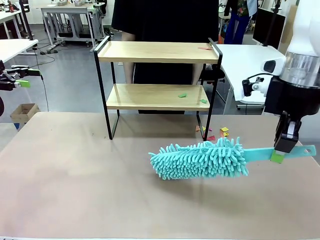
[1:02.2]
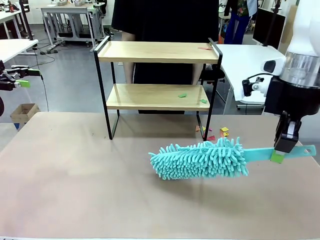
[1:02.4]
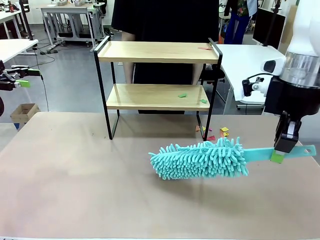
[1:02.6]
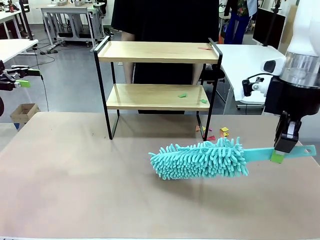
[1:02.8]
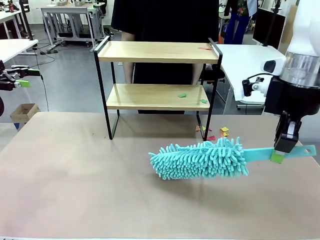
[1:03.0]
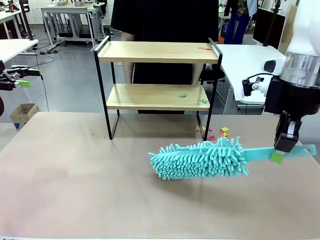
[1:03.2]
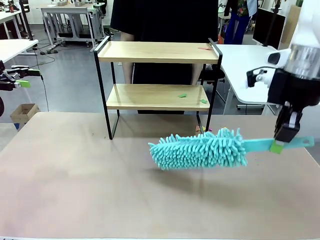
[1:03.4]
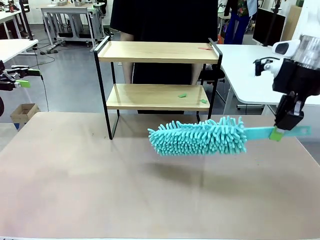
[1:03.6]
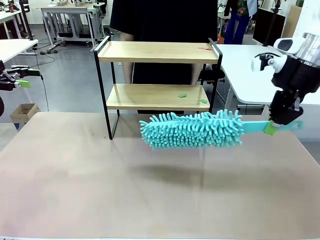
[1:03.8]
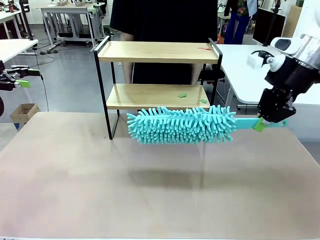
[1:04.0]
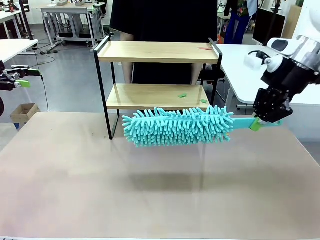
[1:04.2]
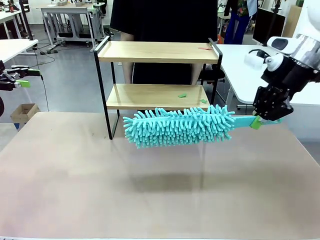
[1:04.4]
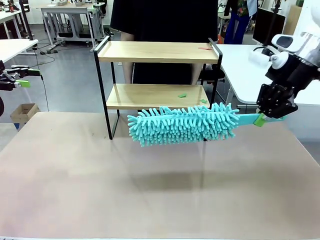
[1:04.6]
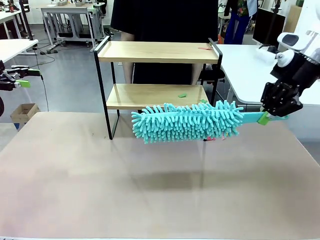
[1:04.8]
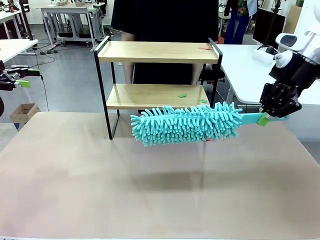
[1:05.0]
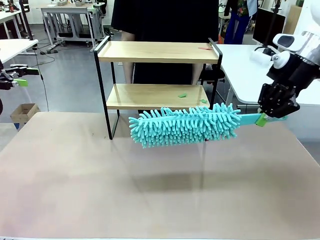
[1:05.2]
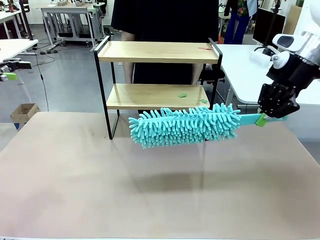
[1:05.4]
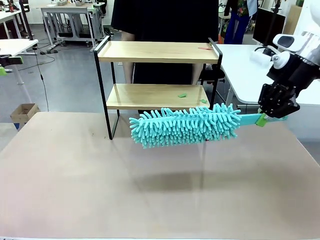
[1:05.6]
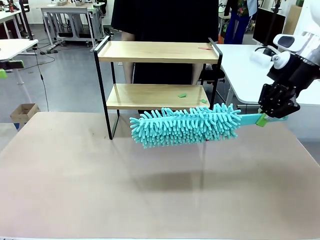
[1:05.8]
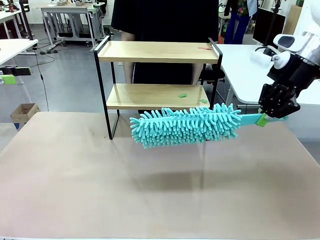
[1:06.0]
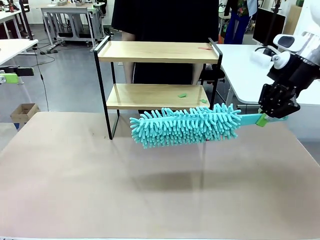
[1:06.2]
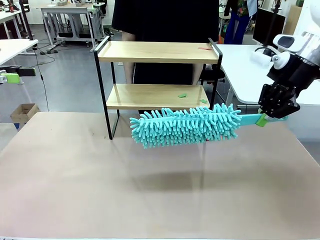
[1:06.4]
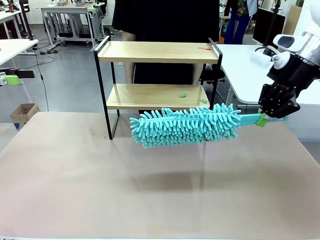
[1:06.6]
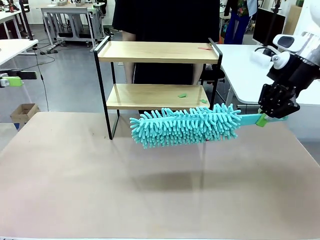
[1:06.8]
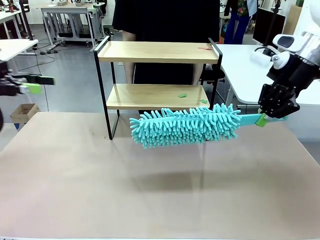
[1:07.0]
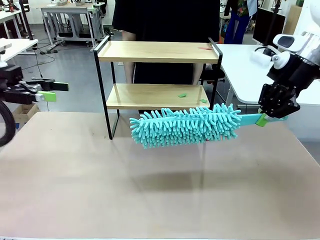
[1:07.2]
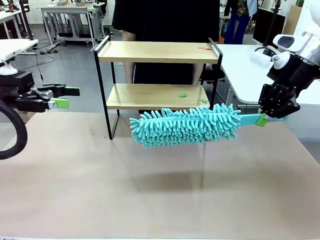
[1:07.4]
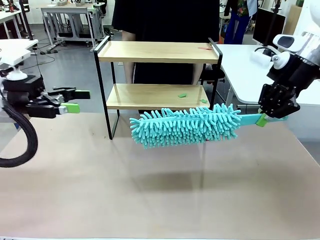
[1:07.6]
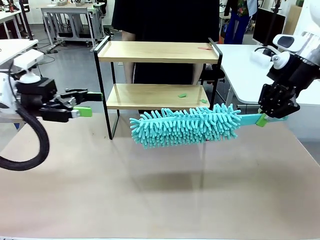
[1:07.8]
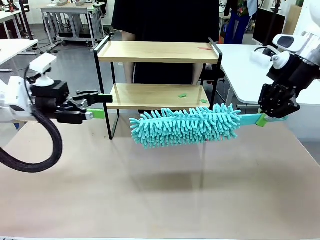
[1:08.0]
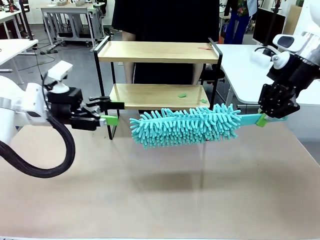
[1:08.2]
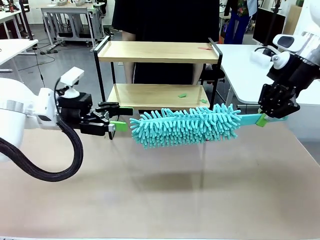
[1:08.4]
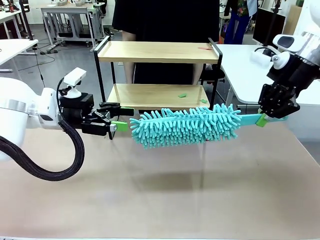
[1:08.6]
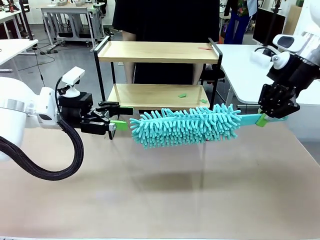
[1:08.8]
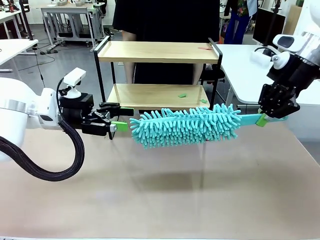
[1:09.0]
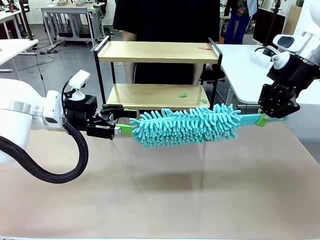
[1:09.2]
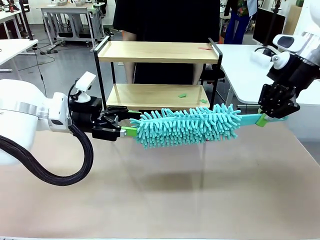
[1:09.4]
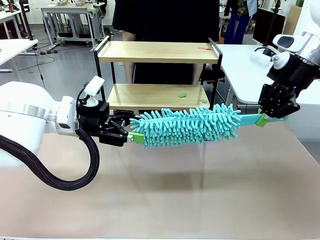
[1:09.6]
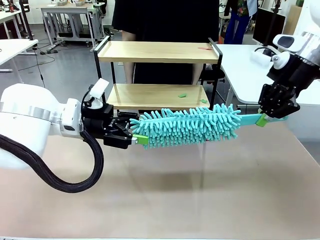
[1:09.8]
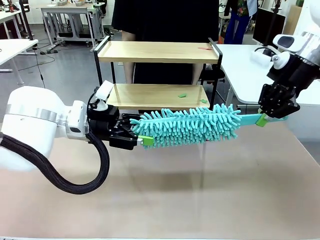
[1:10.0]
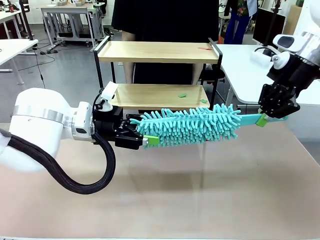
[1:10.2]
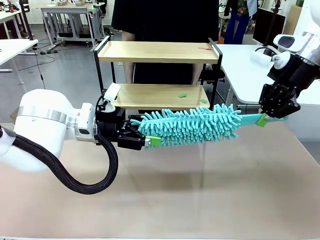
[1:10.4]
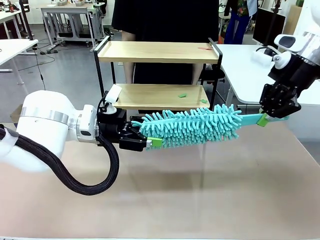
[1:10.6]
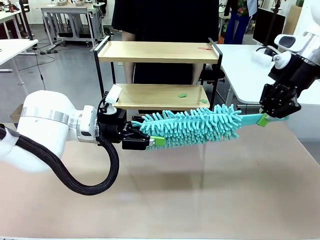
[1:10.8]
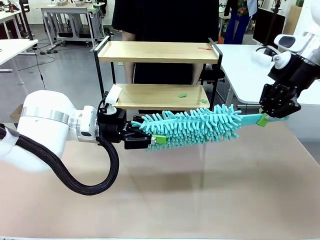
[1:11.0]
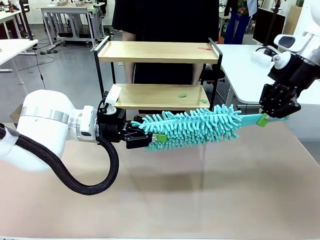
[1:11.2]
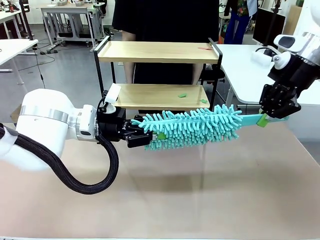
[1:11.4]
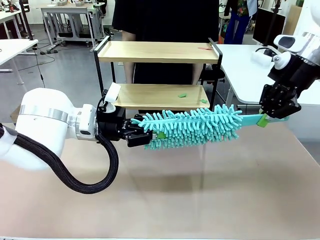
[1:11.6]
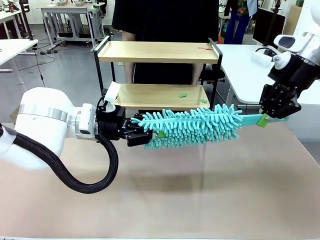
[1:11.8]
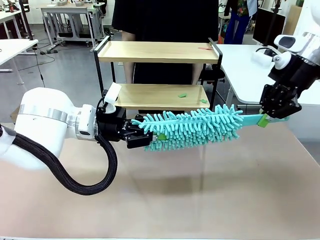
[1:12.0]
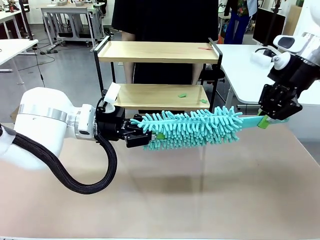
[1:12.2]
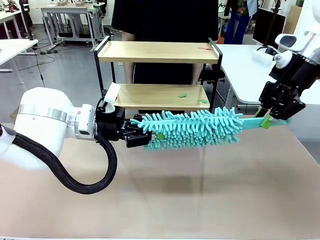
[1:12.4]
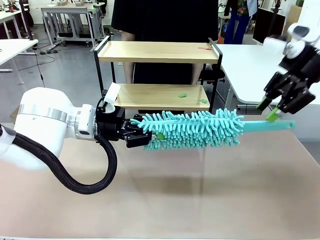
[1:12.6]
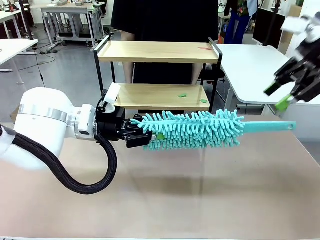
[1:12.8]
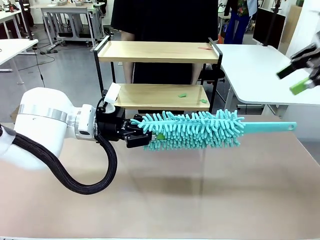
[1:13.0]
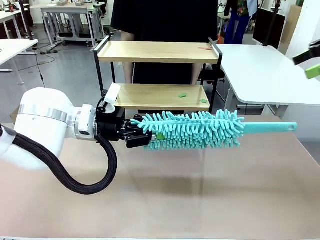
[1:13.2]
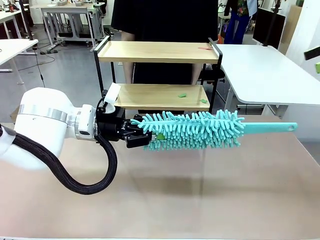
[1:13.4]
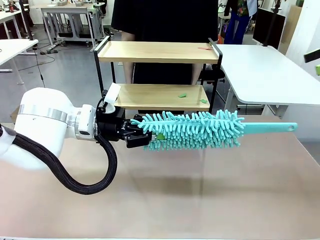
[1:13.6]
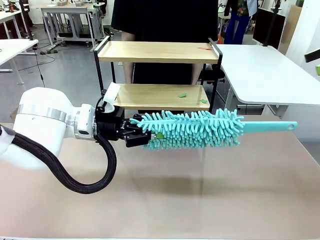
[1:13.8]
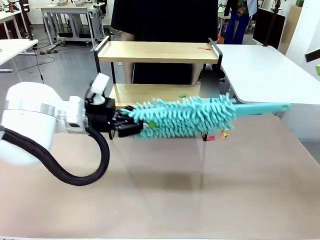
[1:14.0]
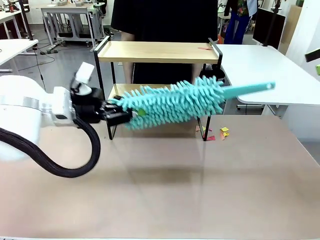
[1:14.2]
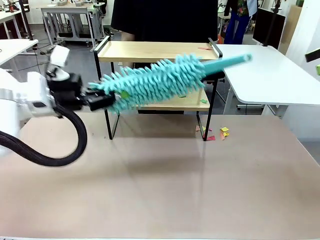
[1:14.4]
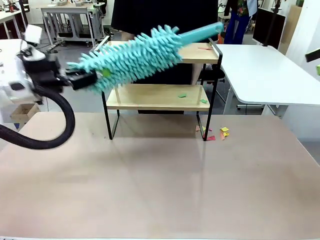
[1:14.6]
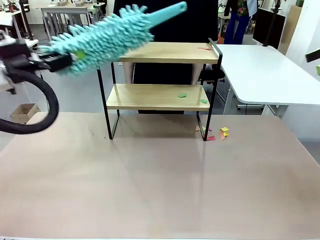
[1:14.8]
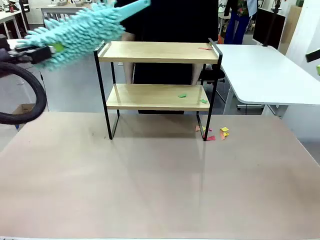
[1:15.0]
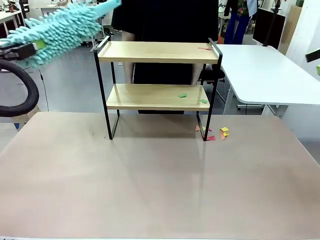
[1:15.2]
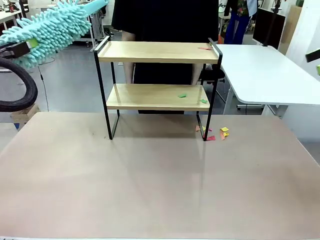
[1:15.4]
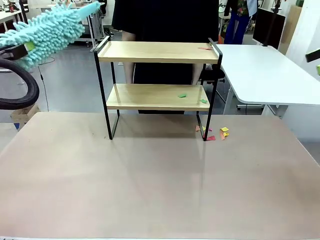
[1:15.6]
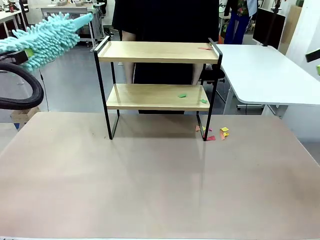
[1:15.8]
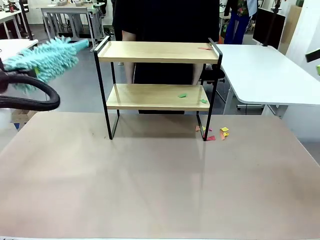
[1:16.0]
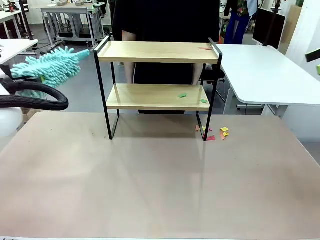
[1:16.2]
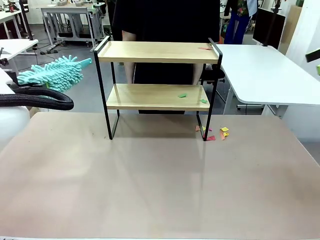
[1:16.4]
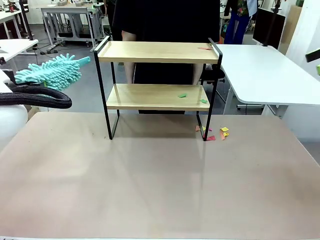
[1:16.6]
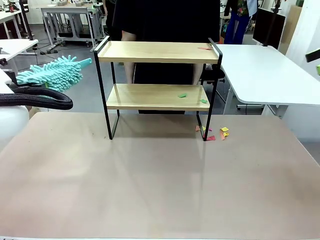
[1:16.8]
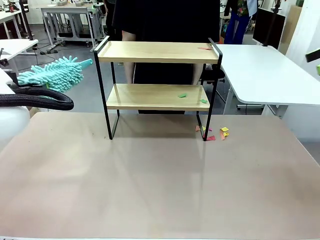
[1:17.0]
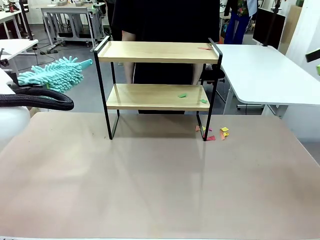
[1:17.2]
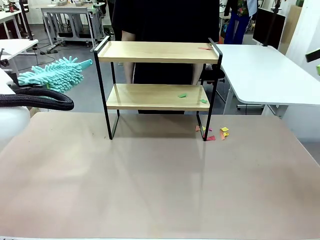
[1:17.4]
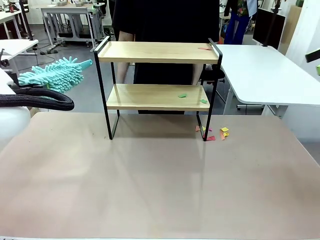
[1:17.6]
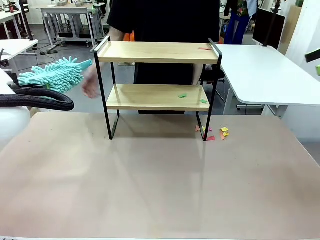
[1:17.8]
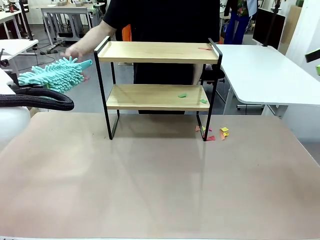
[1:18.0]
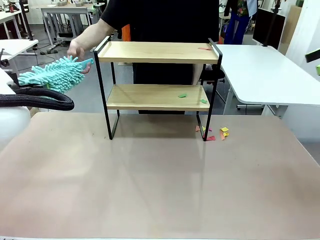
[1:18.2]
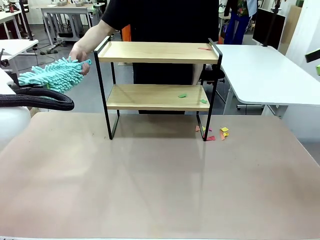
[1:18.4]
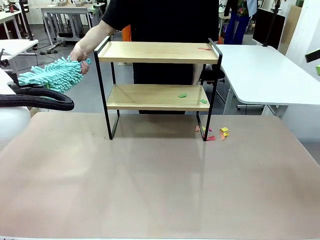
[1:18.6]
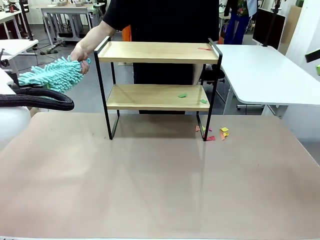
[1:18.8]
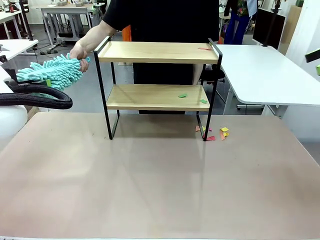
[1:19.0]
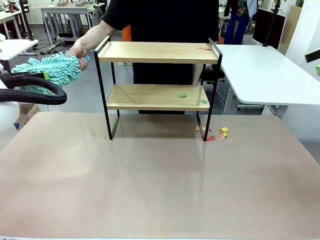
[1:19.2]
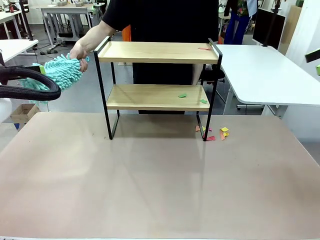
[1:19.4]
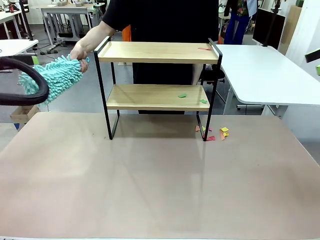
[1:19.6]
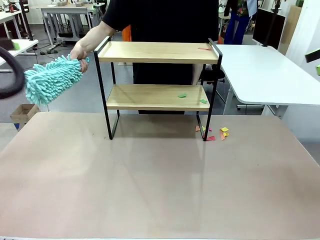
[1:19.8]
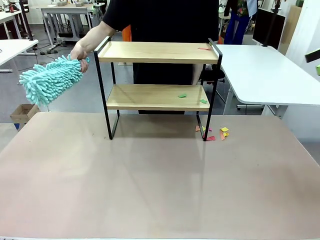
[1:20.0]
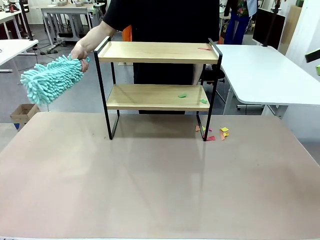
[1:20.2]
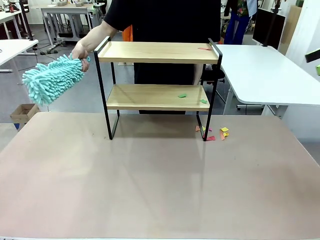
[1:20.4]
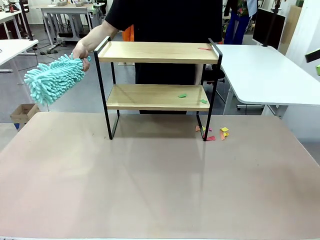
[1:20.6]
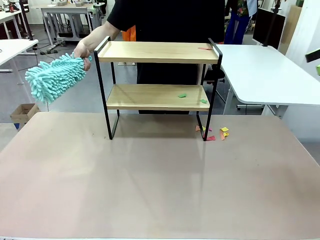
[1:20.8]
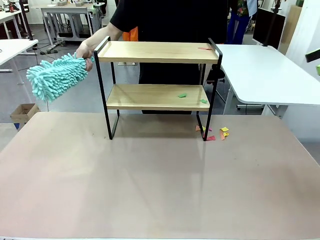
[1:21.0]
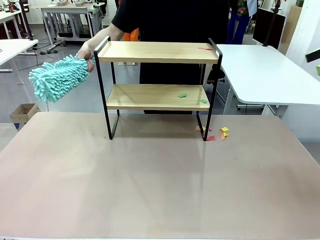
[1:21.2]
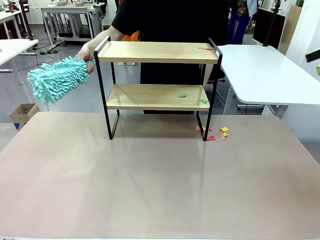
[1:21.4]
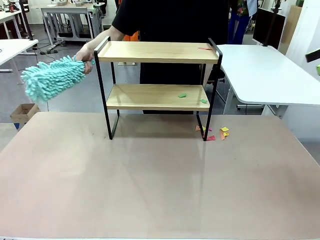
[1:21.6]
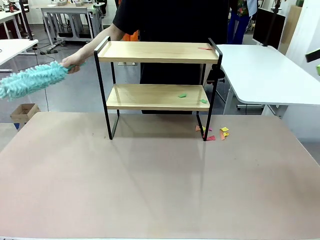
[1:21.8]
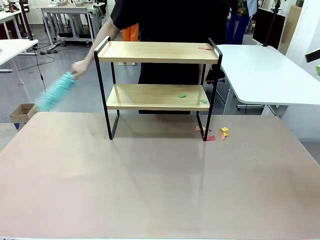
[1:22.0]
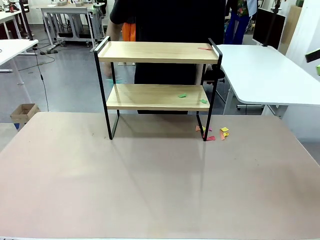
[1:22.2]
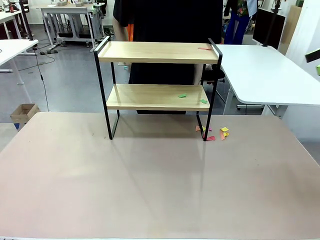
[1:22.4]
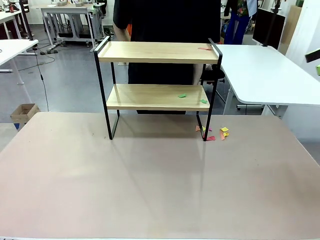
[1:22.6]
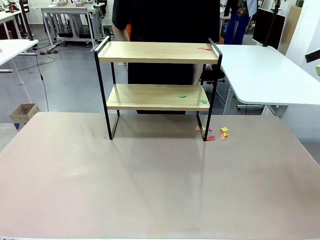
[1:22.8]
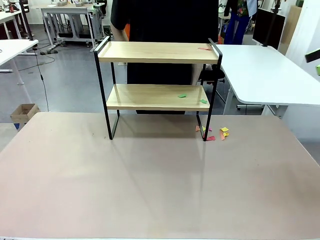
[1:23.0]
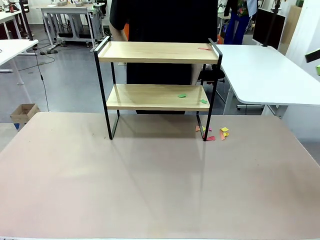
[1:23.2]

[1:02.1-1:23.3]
Task: Clean the shelf.
Robot: Hand the Duster back to the human.
Person: Receive the Duster from the robot.
